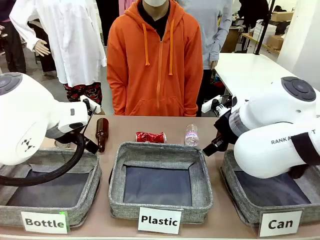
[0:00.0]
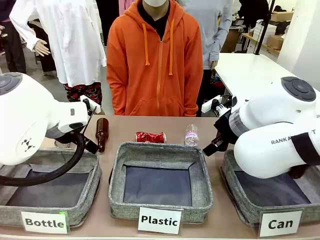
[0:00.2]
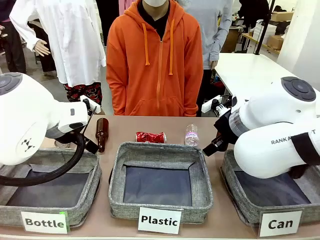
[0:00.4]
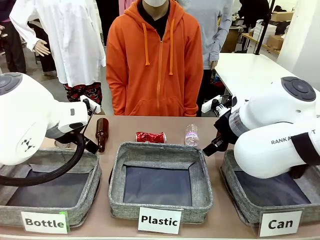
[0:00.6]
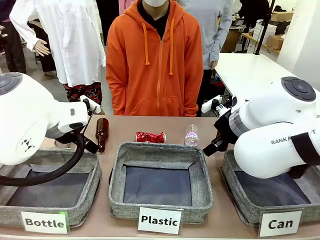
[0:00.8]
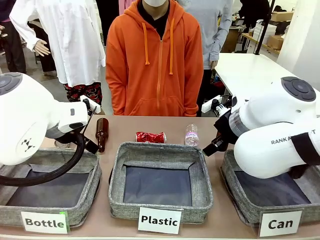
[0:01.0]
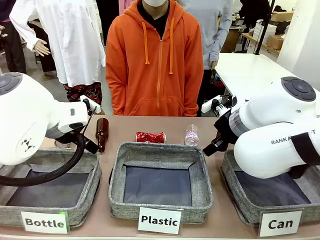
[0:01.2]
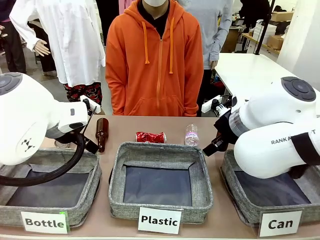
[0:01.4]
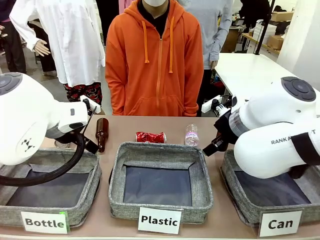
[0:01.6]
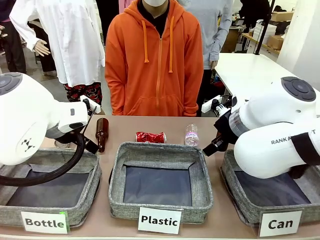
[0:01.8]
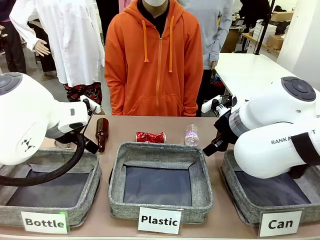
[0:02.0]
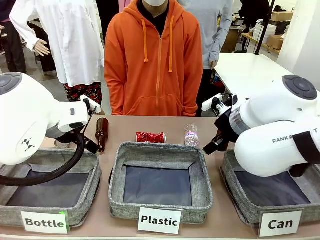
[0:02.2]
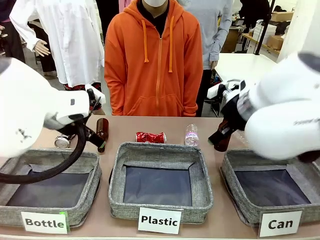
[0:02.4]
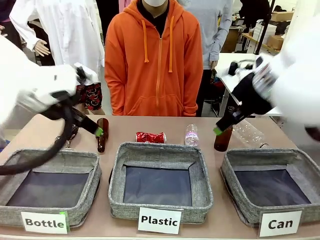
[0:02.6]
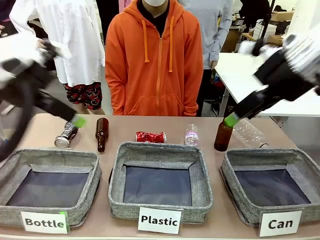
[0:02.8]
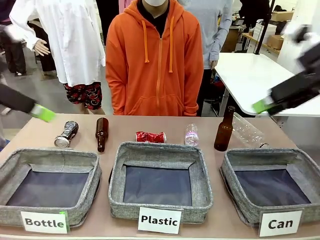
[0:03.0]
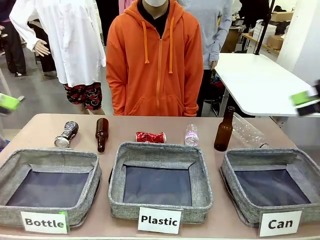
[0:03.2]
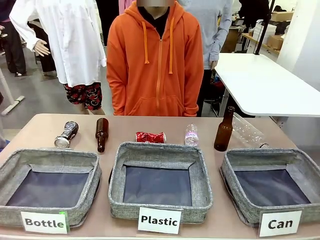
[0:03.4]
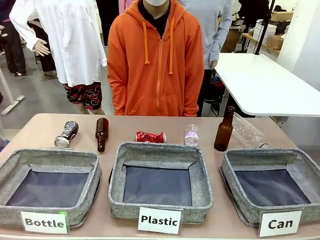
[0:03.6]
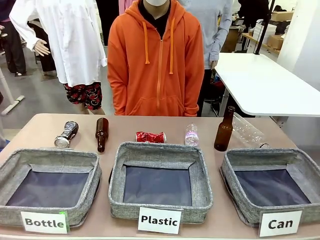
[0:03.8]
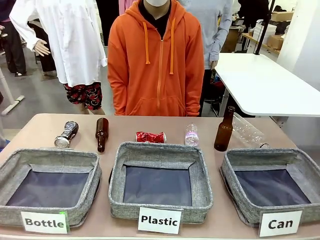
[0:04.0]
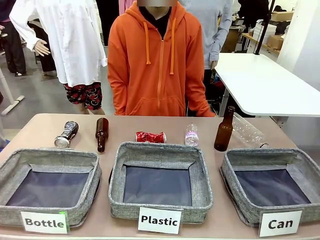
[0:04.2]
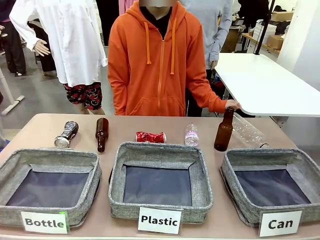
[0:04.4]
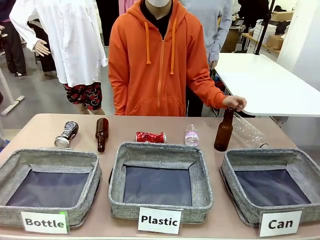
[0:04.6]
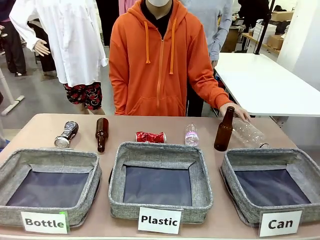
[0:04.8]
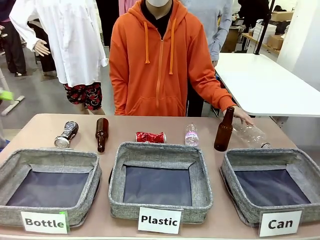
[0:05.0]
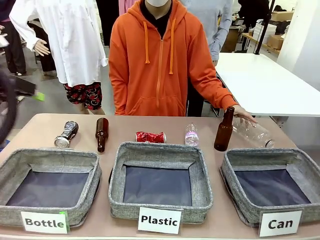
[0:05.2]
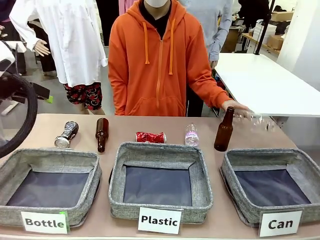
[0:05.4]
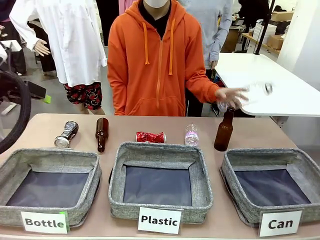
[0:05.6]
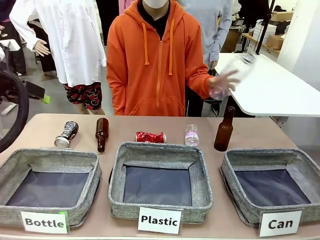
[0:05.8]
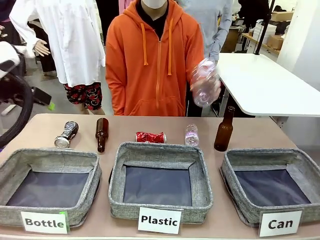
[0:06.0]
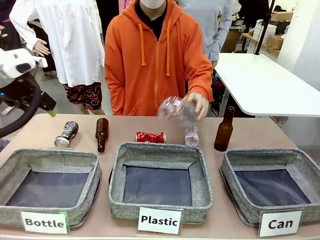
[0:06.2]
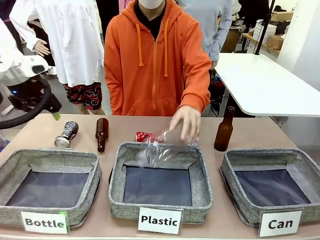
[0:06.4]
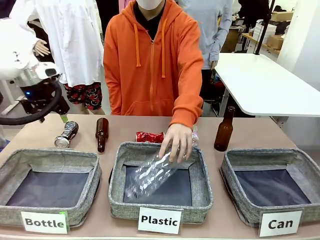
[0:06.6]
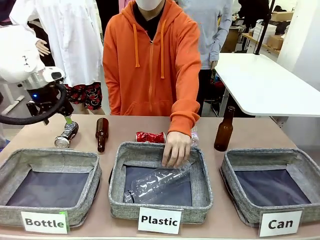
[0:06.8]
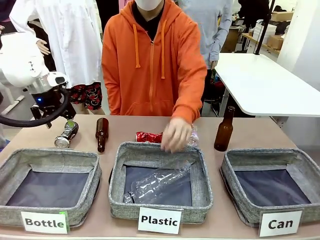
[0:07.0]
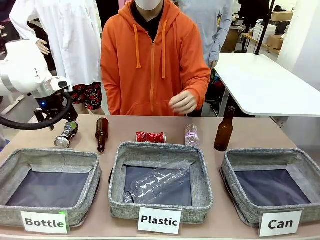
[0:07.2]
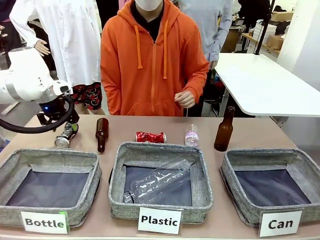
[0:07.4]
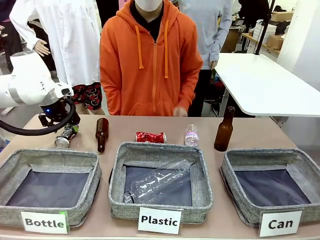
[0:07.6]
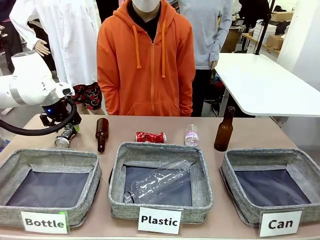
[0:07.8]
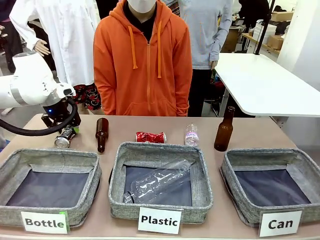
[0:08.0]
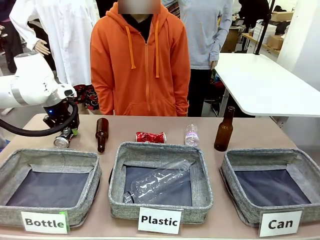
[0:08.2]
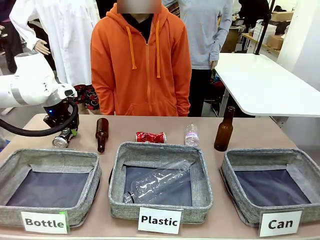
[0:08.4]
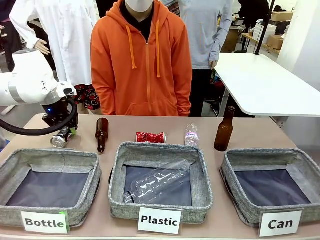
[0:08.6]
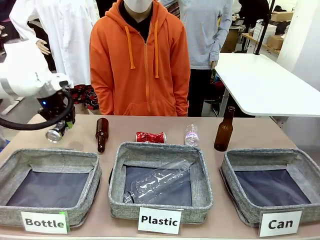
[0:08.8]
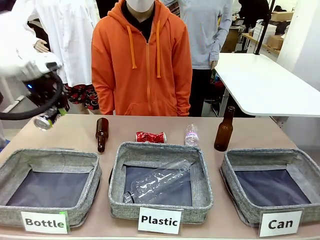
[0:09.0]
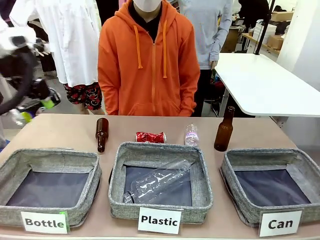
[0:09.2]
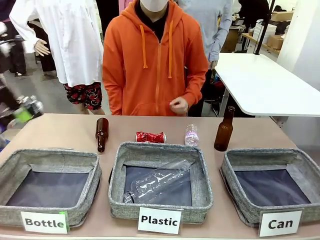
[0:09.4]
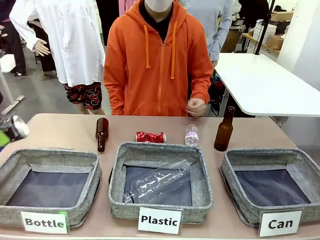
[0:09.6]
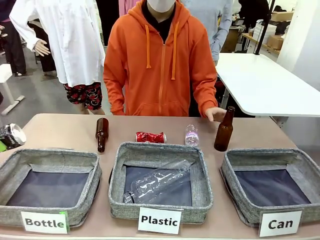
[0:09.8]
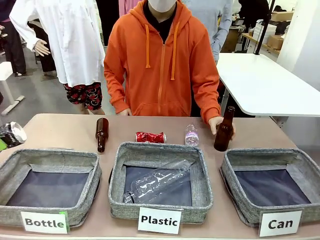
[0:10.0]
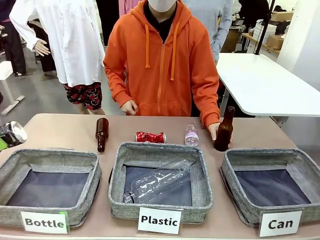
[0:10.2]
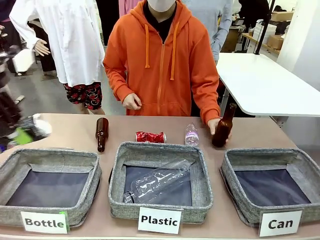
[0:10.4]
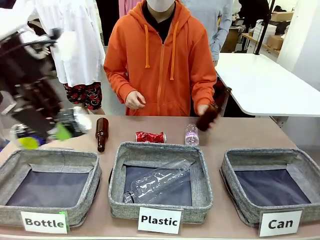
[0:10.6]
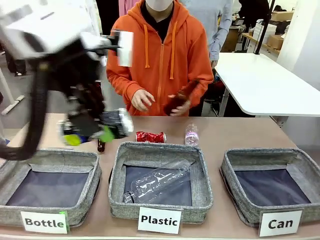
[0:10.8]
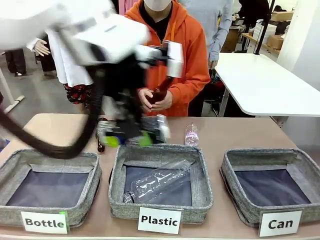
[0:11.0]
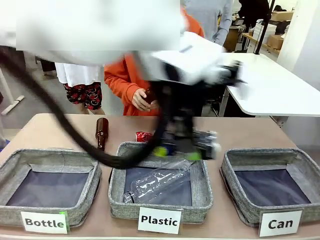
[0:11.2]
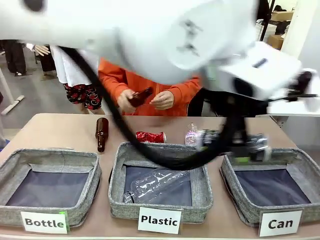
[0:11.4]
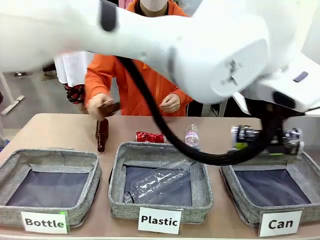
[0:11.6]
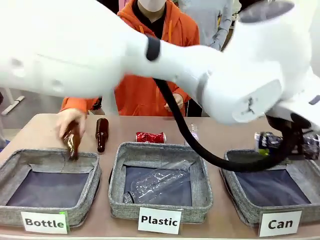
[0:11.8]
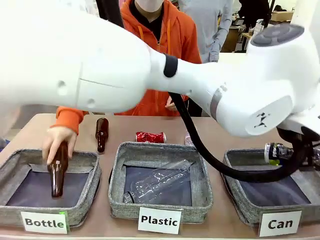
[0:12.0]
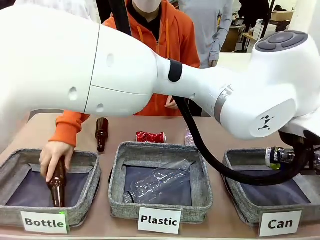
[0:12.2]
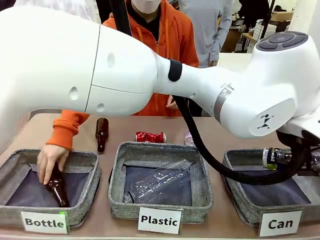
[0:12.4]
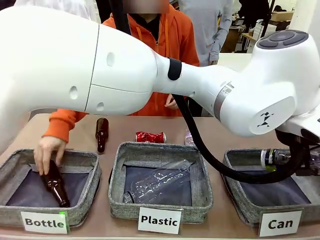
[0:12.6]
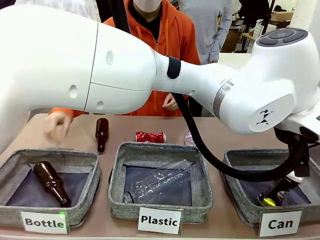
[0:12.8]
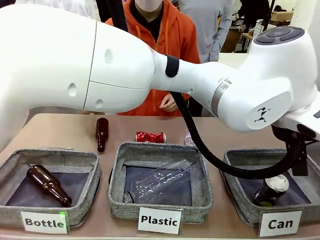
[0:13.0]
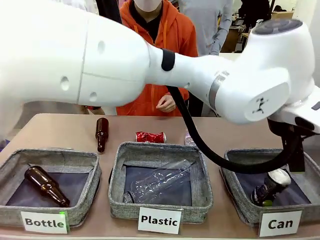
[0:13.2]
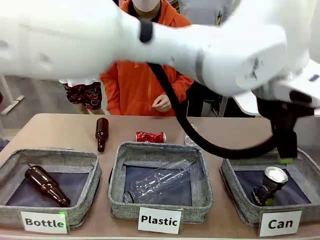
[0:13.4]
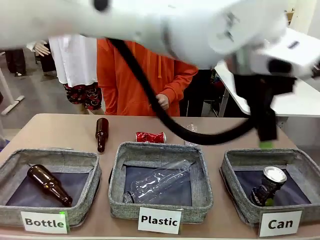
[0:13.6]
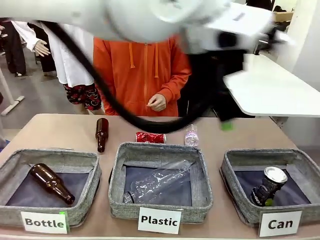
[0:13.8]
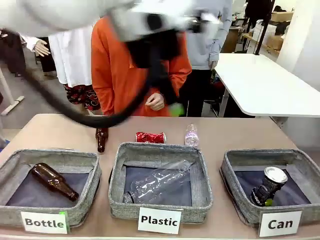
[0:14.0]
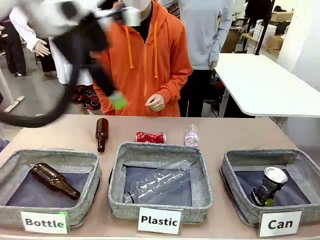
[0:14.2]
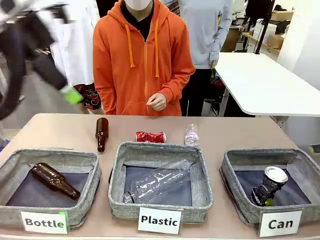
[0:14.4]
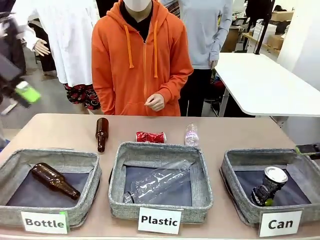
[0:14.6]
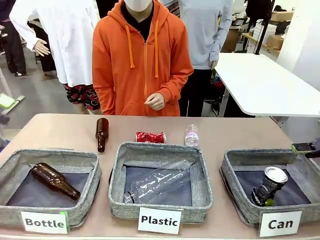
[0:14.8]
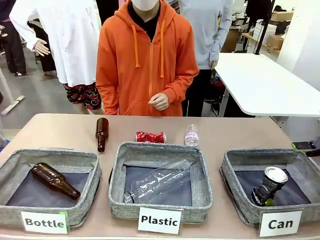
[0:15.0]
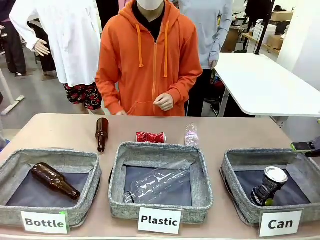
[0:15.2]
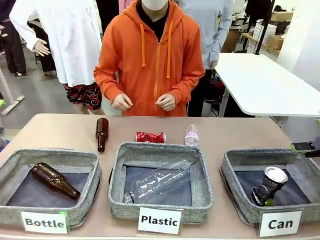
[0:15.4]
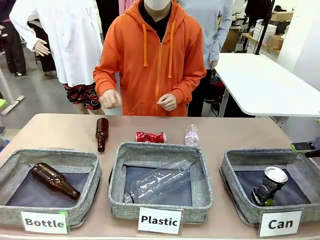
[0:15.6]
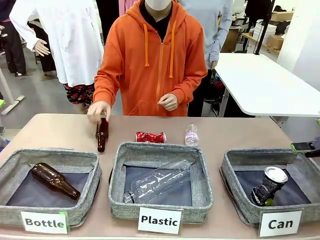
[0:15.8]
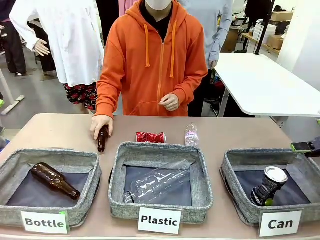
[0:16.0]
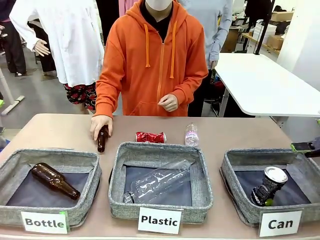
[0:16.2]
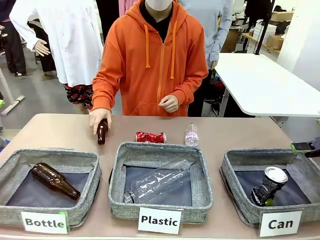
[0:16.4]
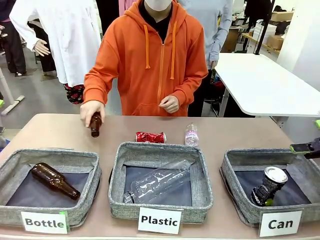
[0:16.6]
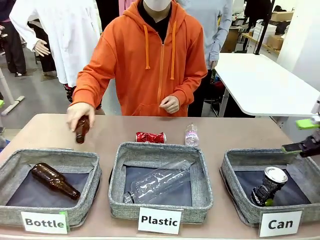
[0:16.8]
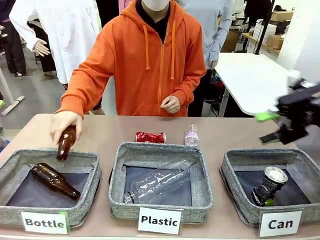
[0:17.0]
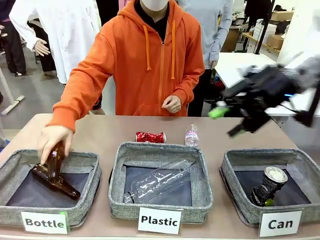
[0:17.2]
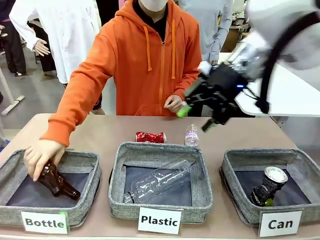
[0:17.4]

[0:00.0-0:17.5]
Task: Sort the can waste into the basket.
Robot: Pick up the can waste from the table and place it in the right Fabric basket.
